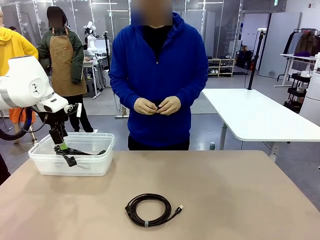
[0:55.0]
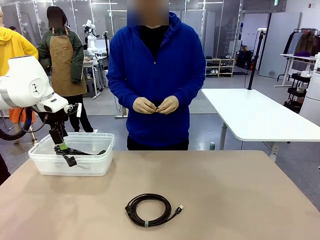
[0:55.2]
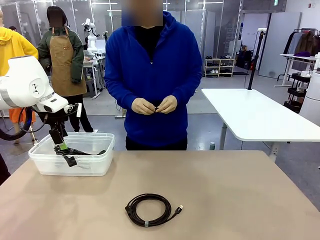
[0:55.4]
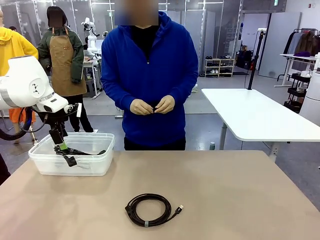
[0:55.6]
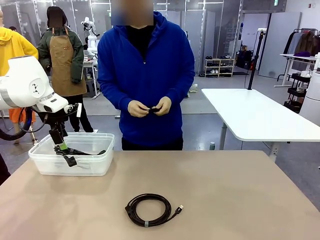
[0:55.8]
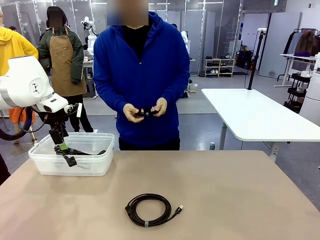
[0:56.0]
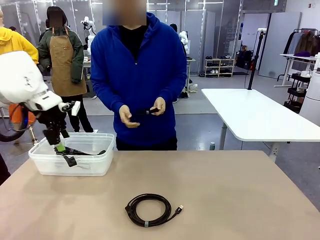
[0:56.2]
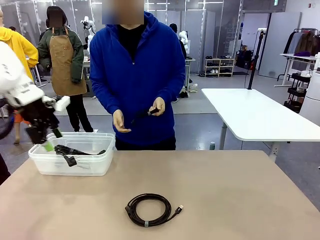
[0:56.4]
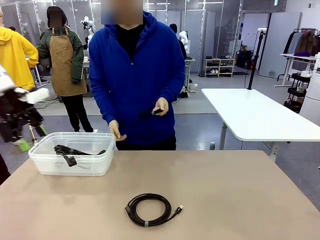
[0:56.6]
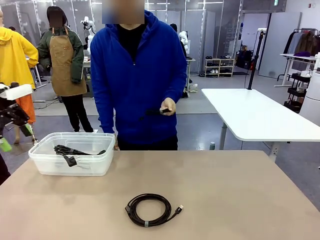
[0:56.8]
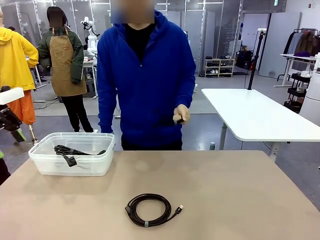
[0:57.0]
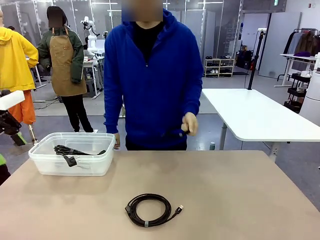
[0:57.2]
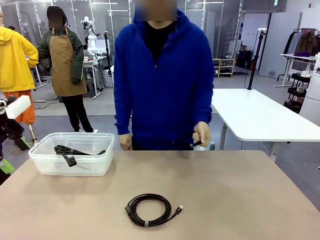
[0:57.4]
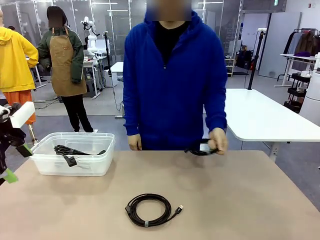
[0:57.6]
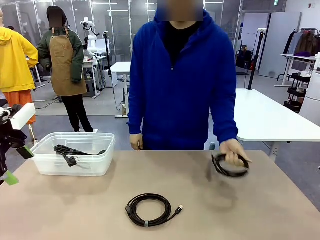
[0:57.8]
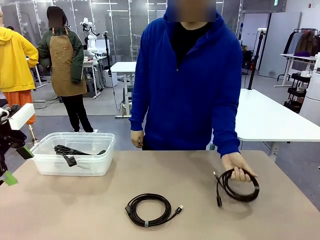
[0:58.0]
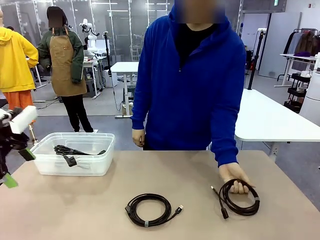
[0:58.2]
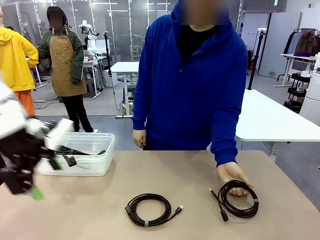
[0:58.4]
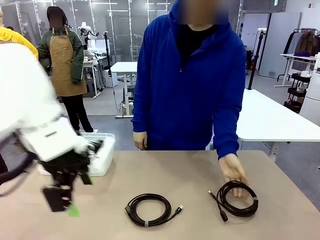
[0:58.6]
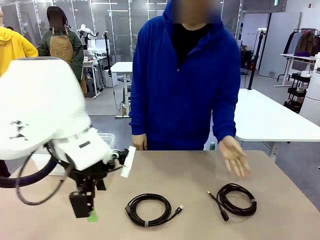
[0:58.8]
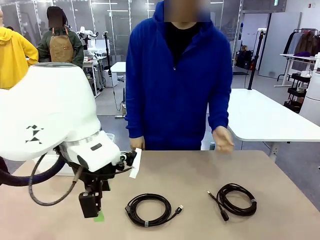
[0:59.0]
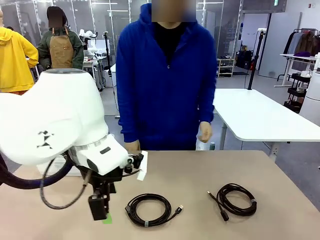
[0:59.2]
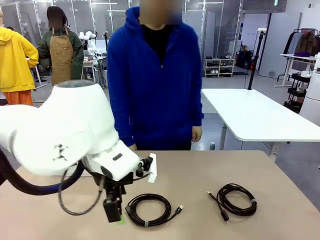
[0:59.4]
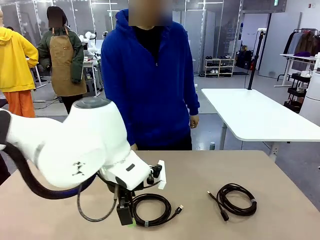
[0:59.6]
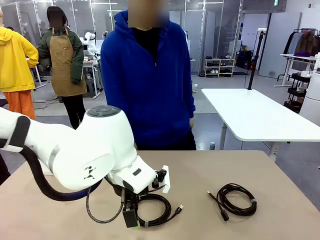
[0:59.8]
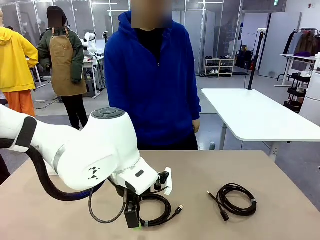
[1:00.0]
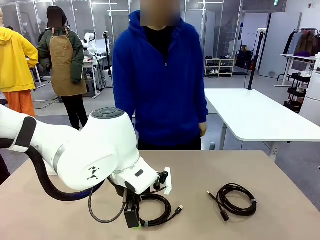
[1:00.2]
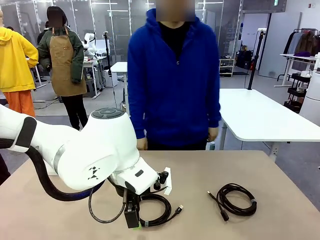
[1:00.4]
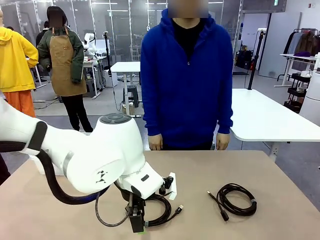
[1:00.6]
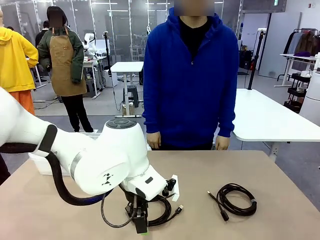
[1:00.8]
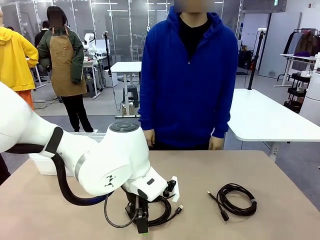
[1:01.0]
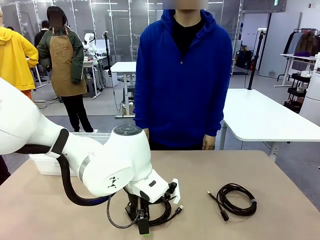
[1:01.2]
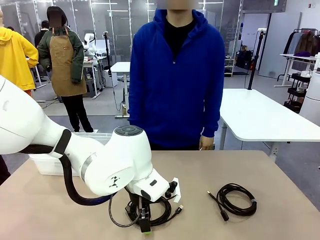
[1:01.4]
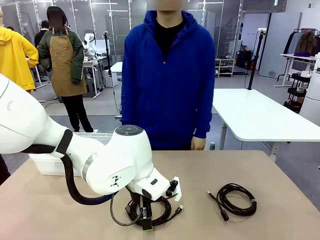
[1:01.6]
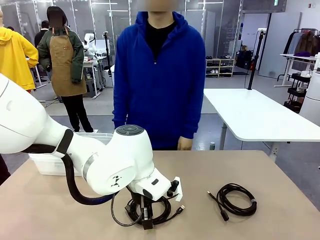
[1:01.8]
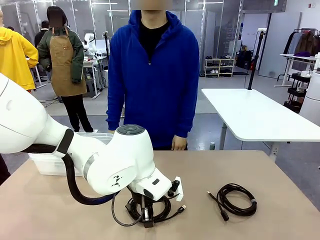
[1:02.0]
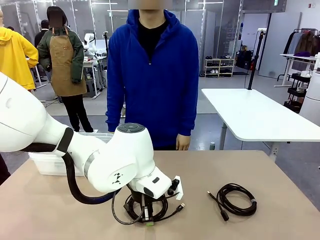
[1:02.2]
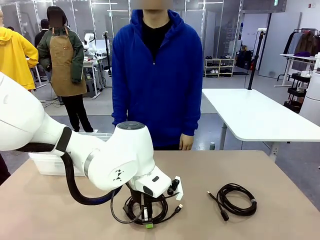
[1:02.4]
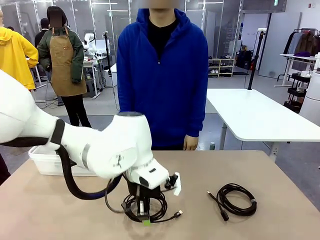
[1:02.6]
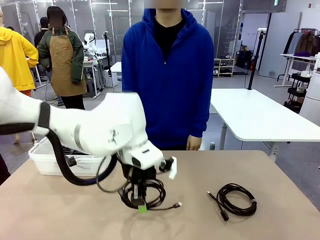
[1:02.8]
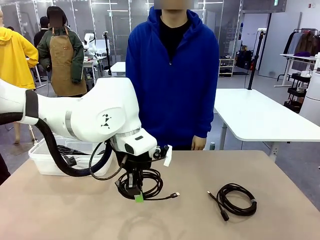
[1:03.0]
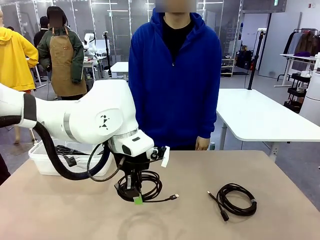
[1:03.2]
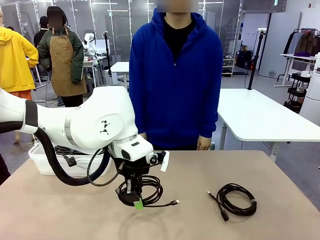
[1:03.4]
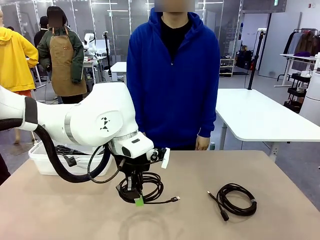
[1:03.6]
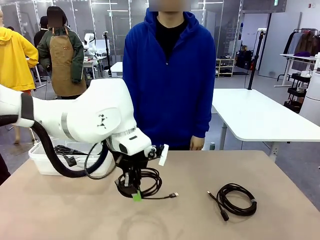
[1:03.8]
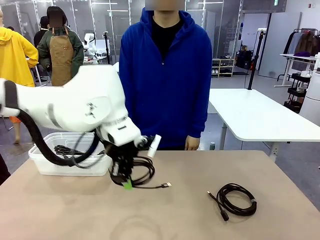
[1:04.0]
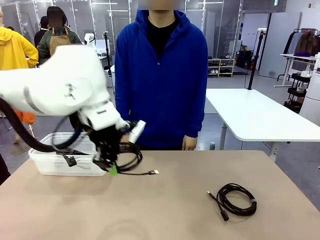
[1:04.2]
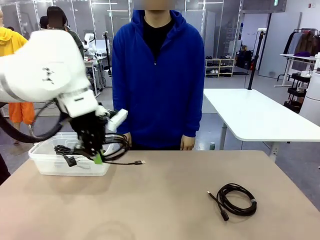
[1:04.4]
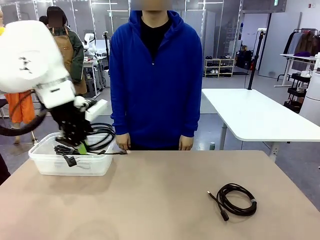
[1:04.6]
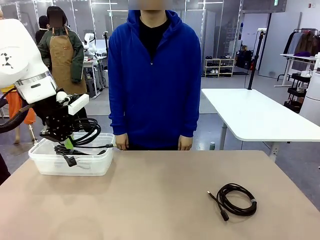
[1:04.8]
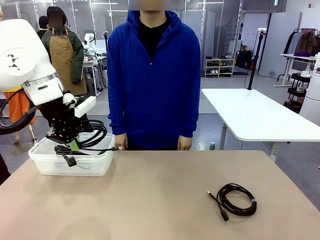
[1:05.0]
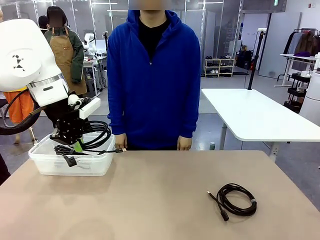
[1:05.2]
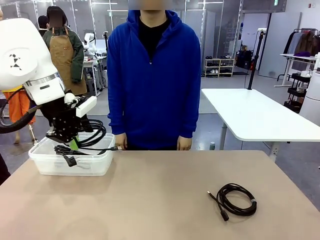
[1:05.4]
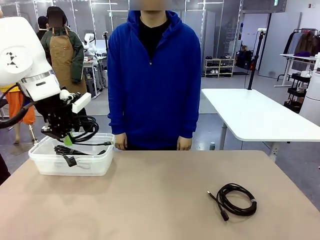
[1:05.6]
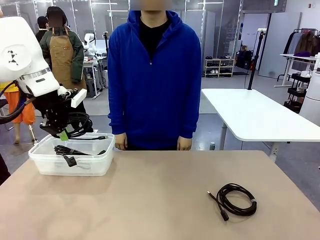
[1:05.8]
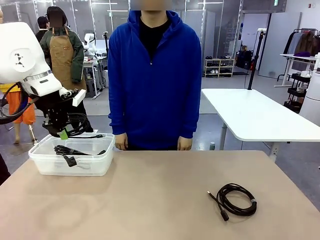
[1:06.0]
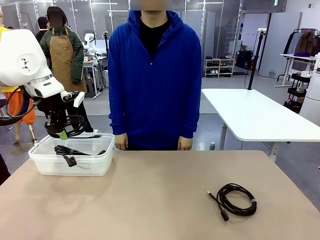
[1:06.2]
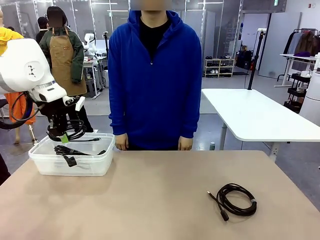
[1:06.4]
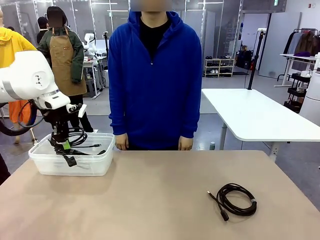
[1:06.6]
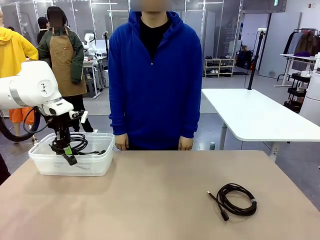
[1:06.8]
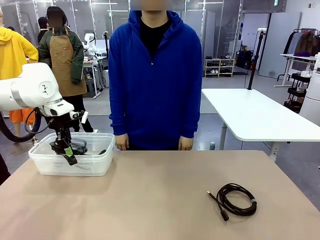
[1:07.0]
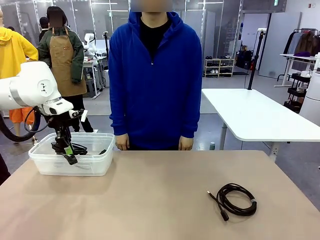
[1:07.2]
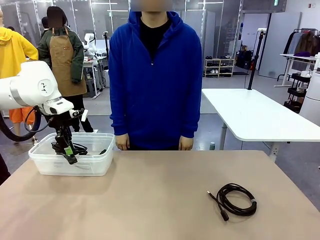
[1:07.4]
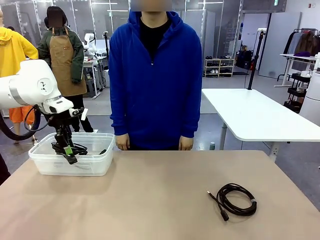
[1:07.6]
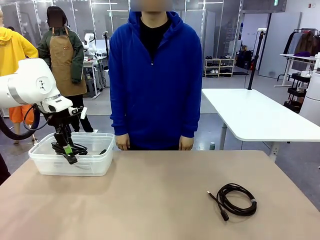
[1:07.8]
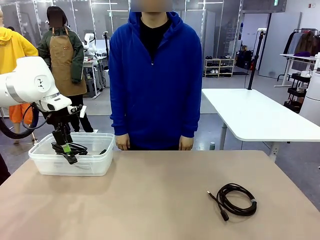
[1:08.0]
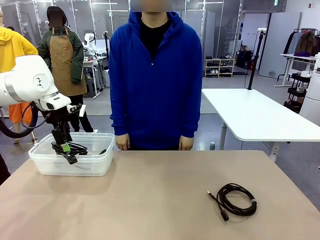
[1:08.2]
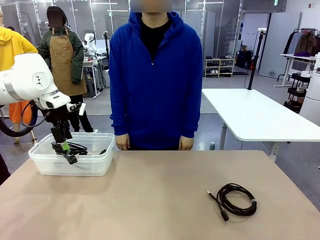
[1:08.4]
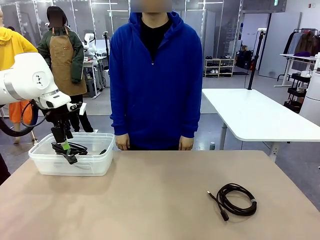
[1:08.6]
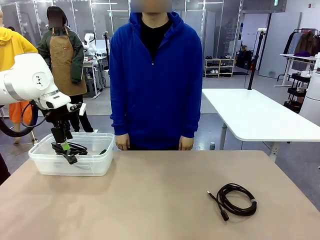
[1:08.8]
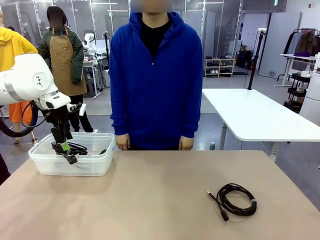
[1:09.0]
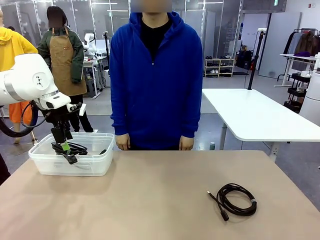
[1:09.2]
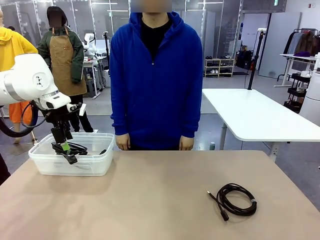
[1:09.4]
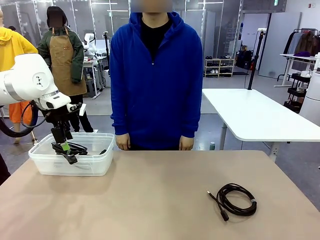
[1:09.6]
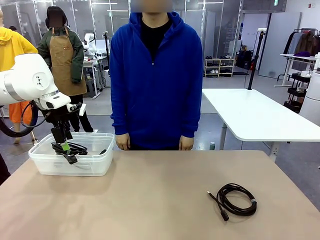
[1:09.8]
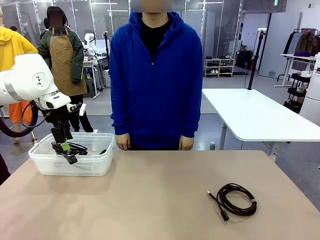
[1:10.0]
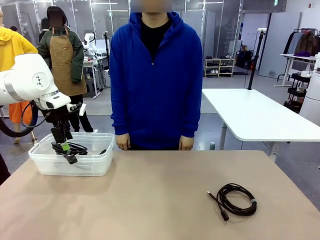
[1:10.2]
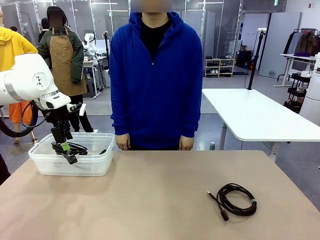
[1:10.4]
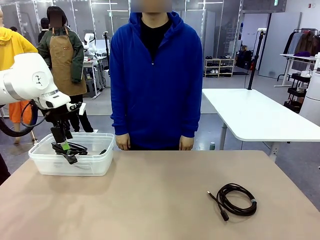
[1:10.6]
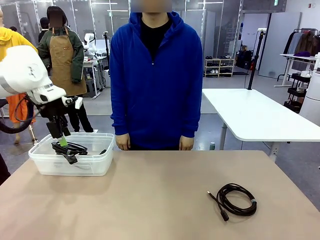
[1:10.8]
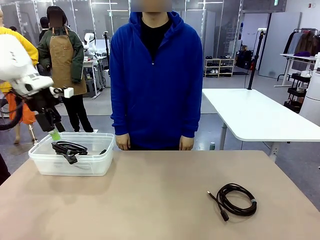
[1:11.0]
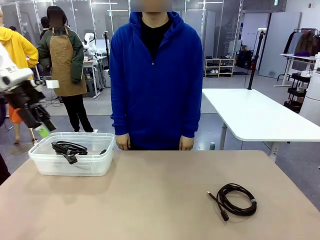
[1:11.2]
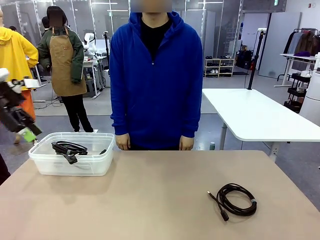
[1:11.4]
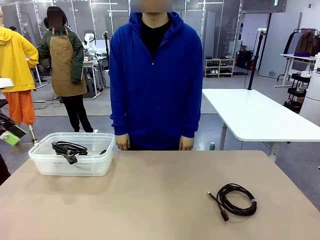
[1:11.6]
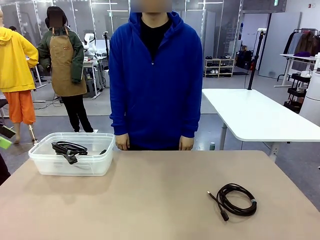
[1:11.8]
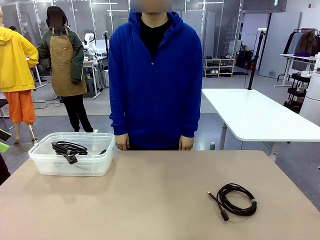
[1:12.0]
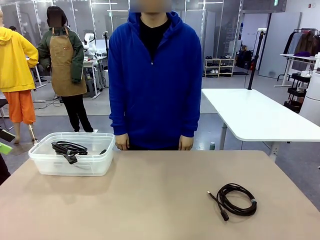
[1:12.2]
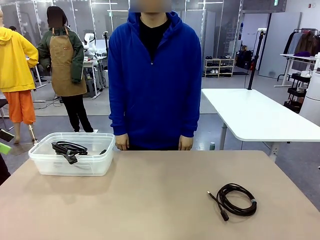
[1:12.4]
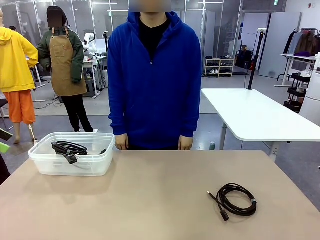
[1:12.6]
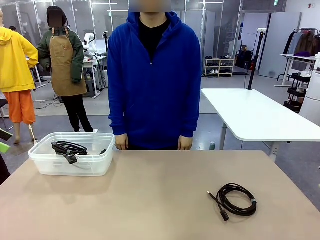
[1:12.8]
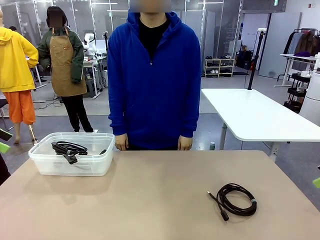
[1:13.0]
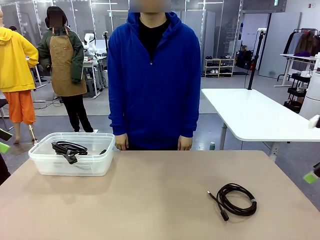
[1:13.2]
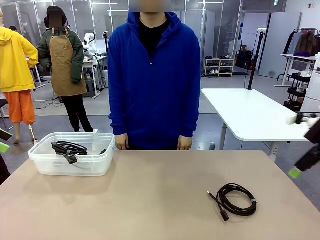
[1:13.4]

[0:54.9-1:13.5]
Task: Organize and store the cables.
Robot: Place the USB Extension Cable into the Organizing box.
